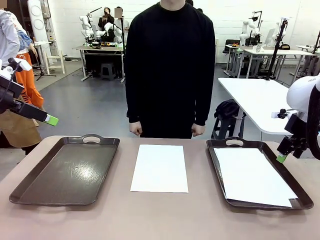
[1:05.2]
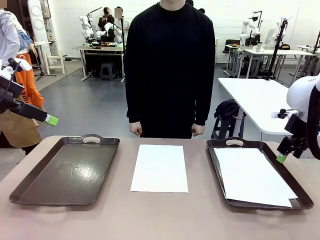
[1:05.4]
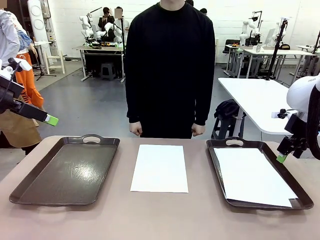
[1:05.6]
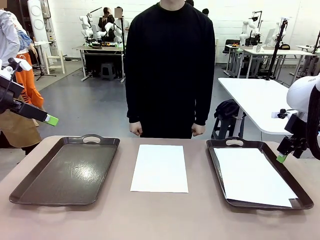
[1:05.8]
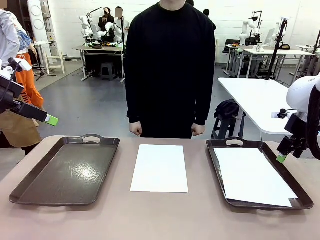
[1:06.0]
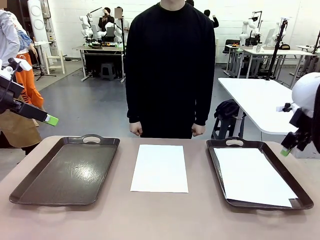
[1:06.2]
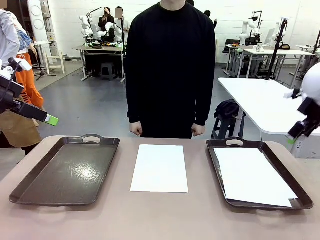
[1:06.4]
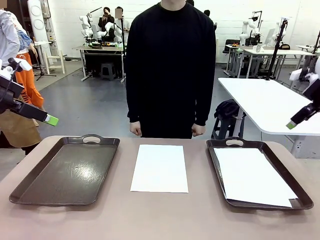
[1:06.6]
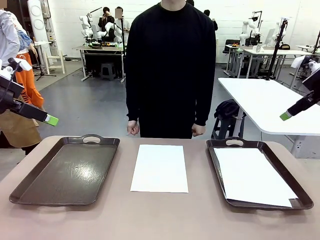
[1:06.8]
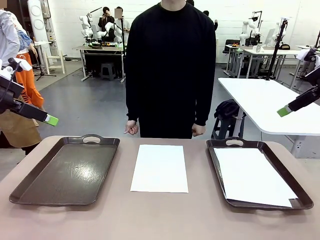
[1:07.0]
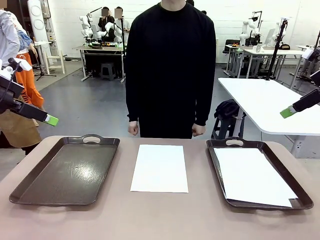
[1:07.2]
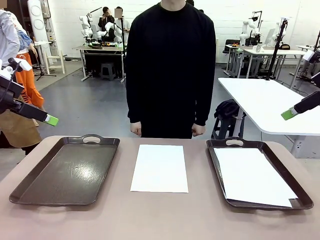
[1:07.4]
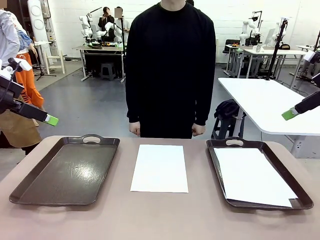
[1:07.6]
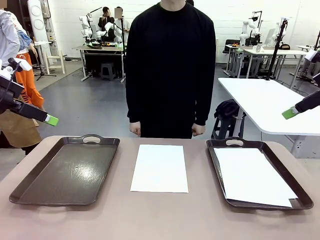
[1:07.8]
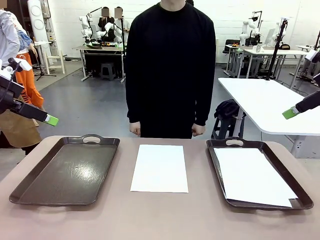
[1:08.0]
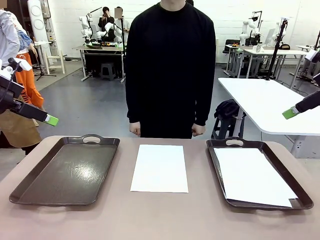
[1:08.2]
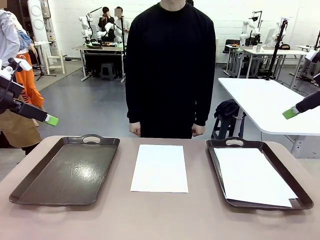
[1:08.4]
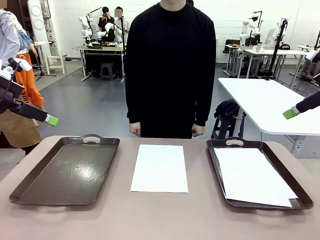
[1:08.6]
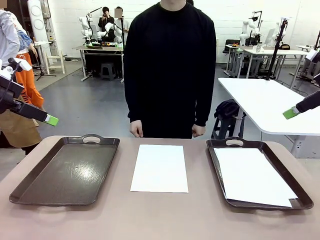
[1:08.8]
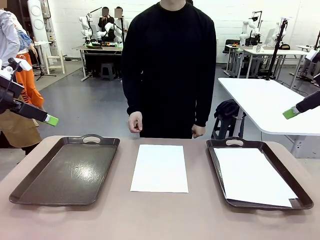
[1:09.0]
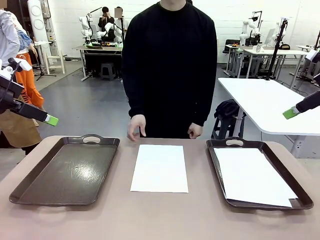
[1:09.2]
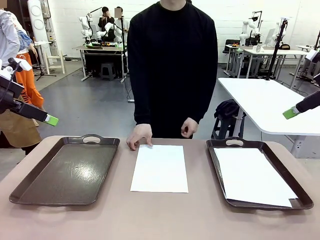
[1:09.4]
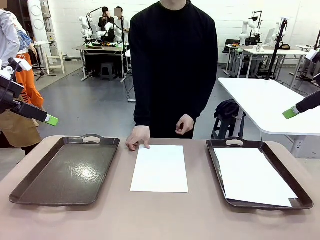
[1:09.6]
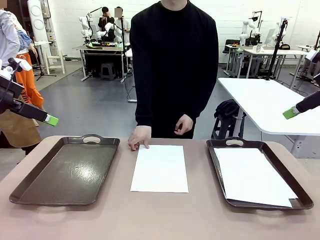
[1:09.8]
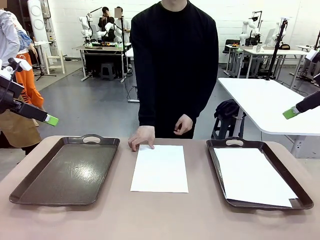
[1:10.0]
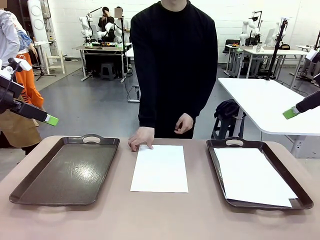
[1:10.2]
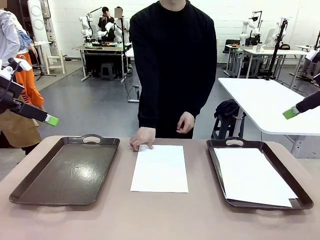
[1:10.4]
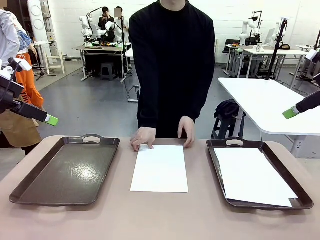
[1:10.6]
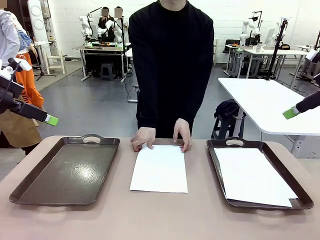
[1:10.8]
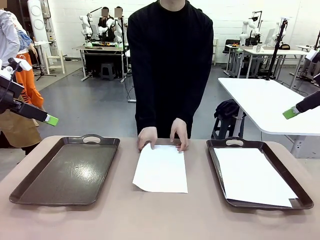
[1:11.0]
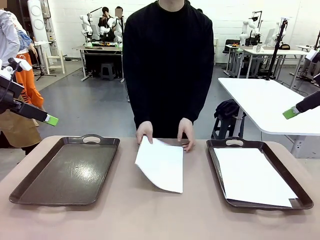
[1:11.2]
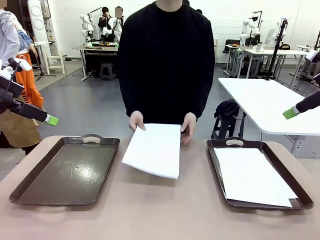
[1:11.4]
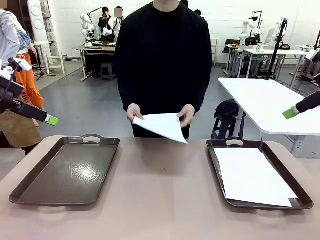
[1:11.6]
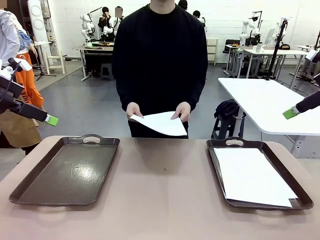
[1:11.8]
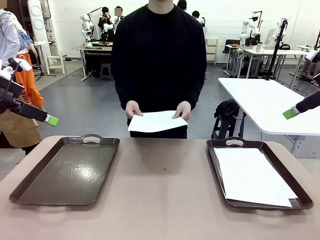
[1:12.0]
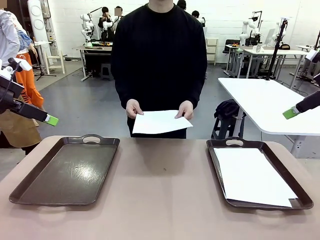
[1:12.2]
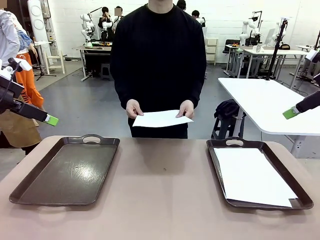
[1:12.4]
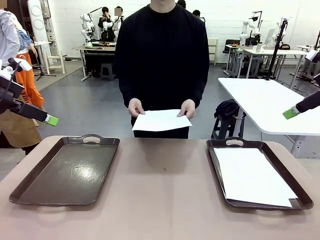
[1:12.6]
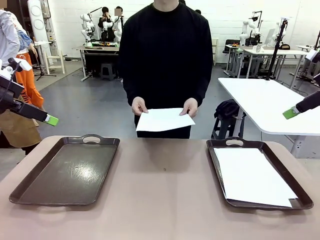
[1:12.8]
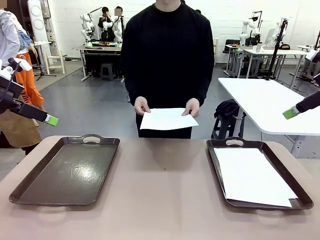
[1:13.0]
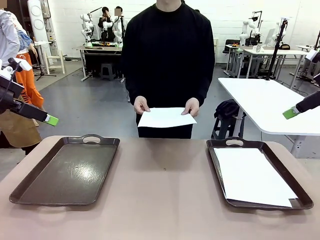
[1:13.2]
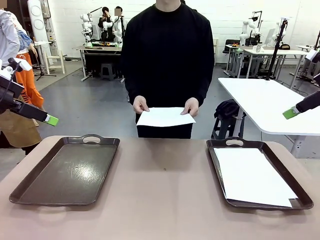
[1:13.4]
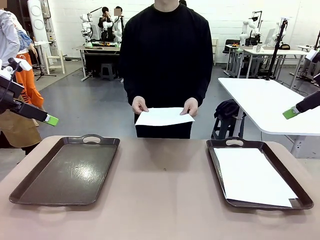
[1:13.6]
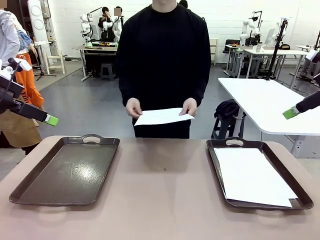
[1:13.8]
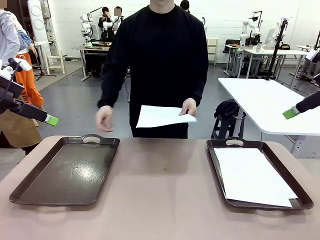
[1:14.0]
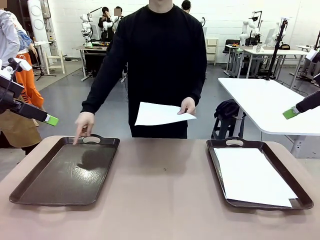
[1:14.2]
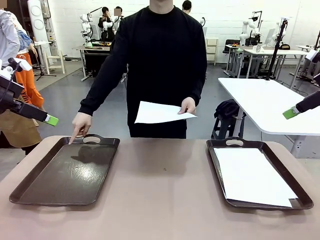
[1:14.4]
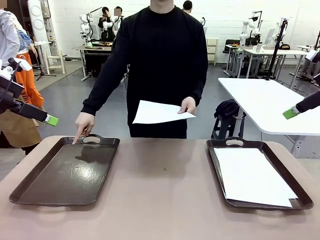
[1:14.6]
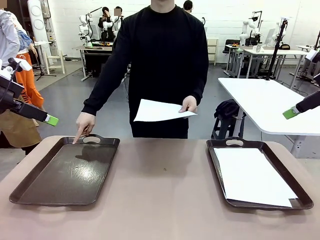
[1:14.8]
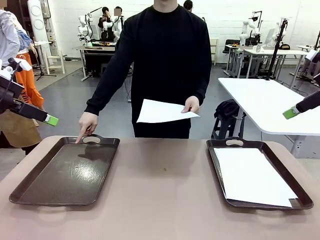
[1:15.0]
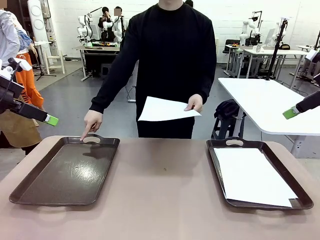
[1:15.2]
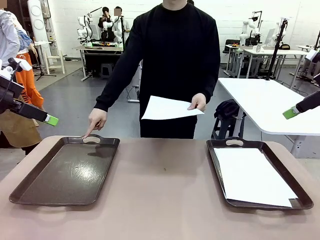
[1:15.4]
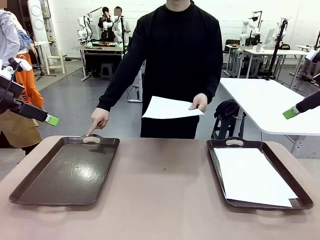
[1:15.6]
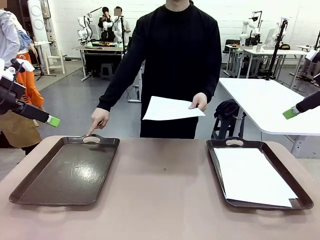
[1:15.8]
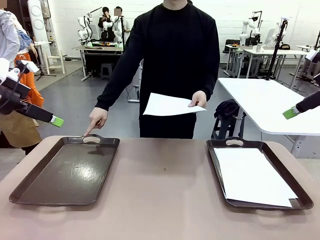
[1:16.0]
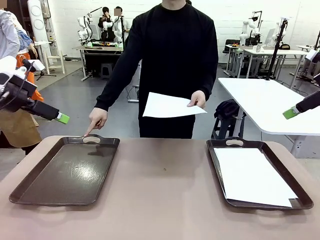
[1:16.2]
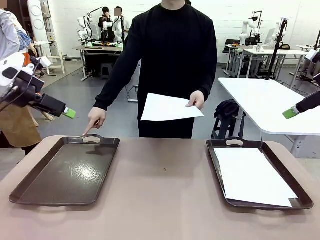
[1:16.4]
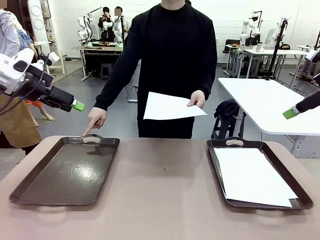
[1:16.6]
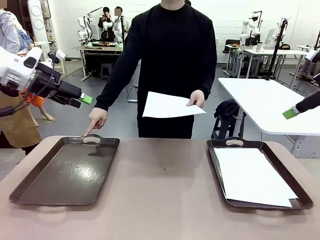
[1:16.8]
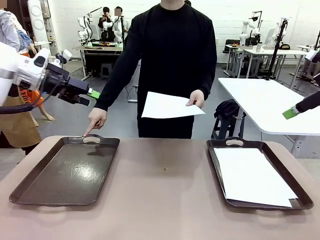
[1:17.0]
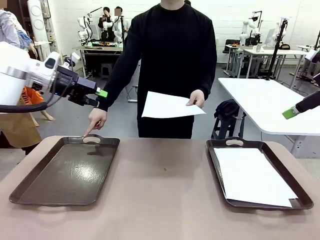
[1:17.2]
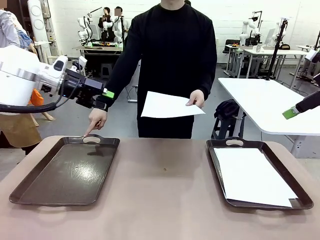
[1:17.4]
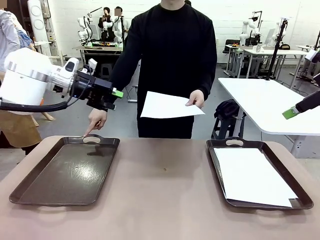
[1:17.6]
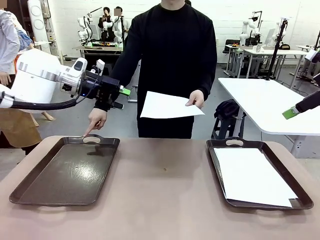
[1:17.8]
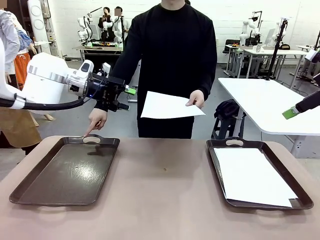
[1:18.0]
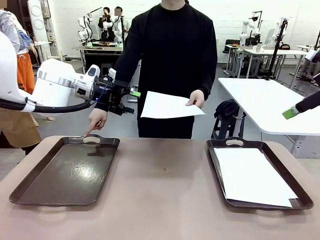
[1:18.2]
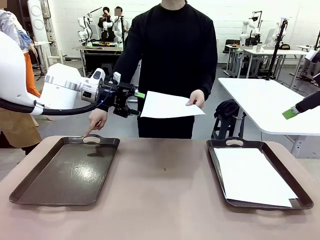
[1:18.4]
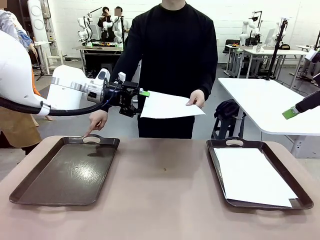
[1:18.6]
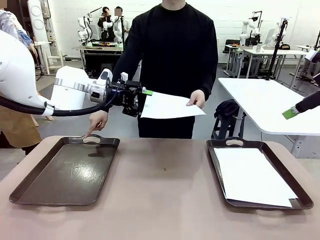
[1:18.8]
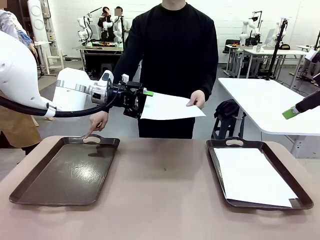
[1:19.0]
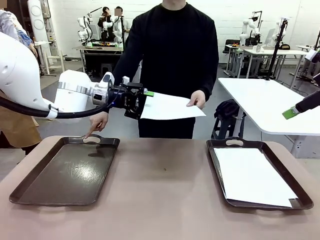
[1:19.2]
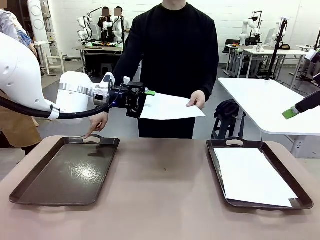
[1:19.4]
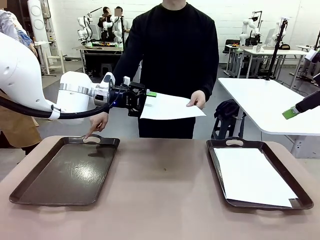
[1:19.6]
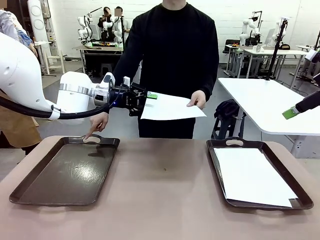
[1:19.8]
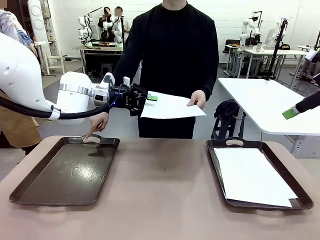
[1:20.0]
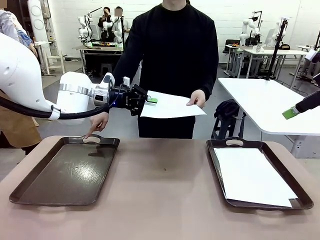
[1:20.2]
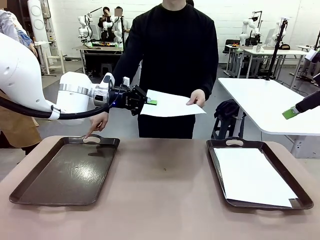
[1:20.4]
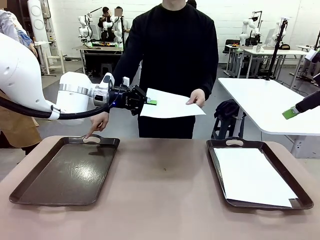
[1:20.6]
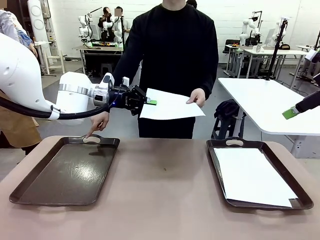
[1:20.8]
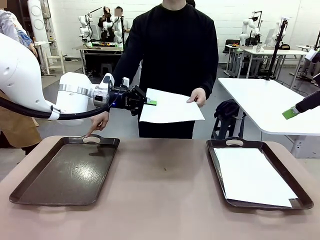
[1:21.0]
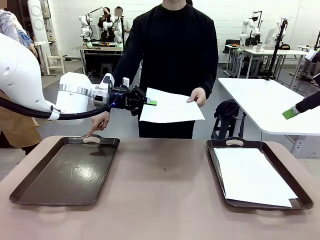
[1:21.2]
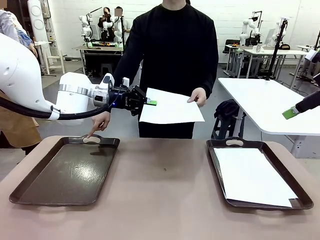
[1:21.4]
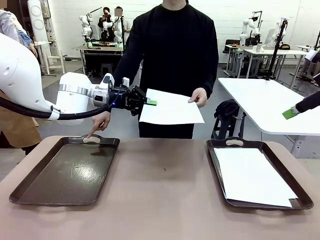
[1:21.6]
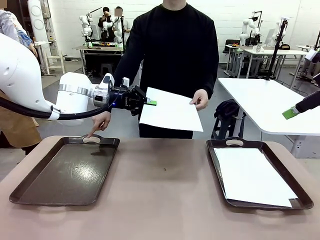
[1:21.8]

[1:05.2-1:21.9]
Task: Sort the A4 documents.
Robot: Receive the A4 Paper.
Person: Point the randomly selected tray with the other hand.

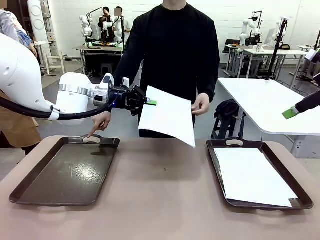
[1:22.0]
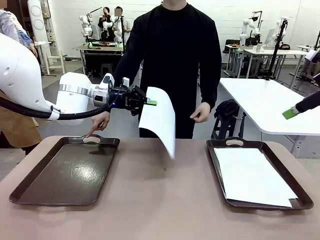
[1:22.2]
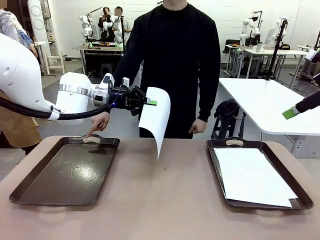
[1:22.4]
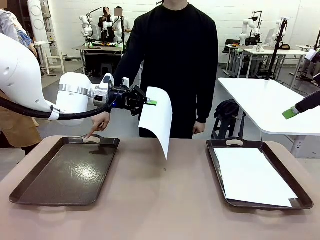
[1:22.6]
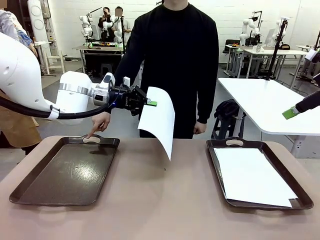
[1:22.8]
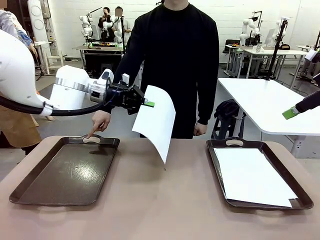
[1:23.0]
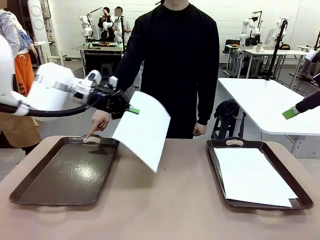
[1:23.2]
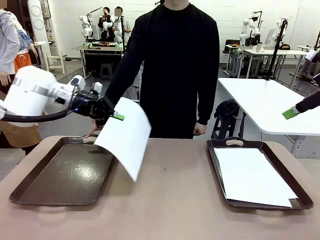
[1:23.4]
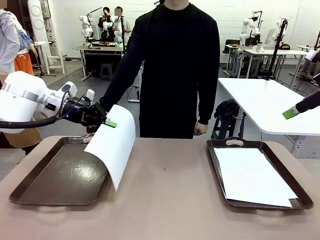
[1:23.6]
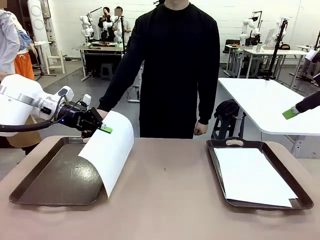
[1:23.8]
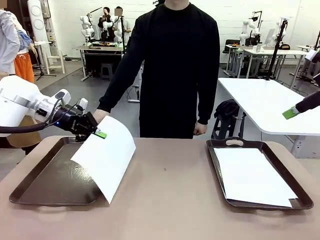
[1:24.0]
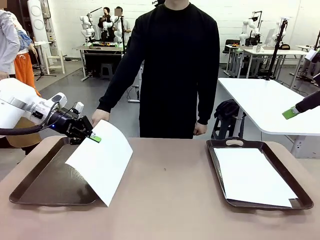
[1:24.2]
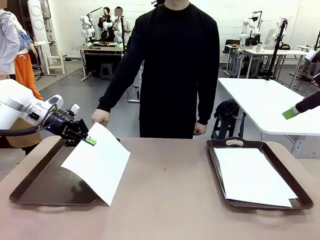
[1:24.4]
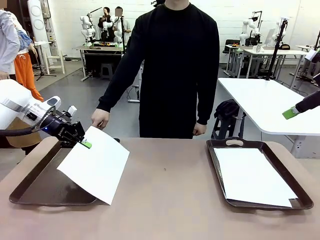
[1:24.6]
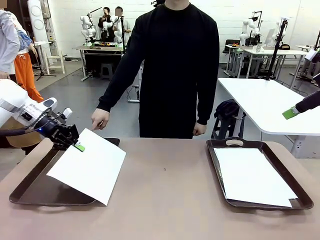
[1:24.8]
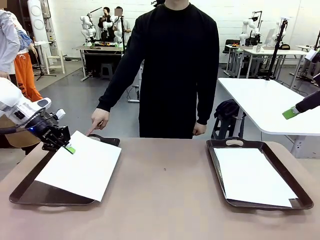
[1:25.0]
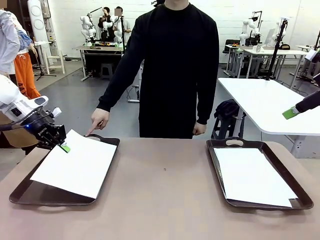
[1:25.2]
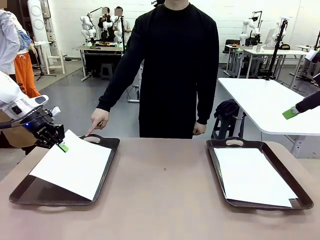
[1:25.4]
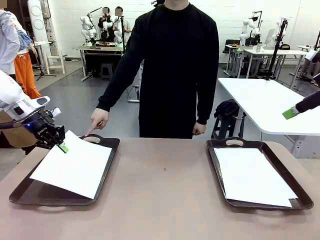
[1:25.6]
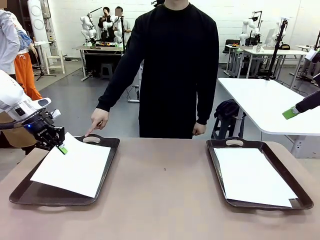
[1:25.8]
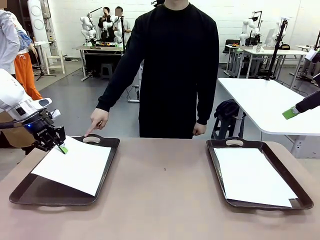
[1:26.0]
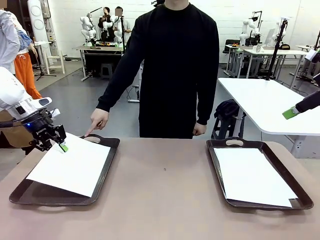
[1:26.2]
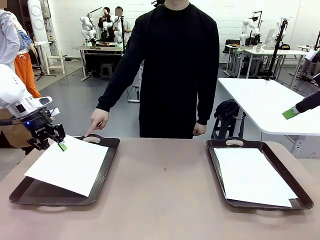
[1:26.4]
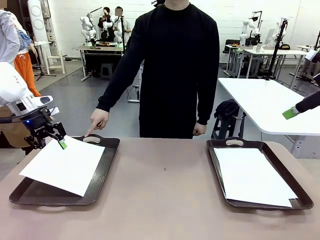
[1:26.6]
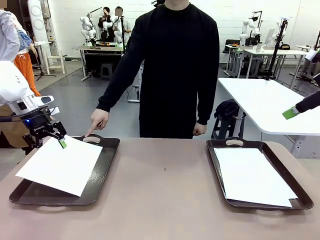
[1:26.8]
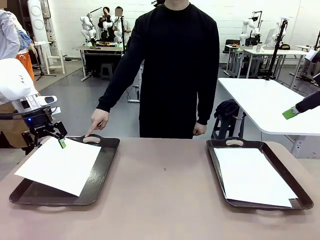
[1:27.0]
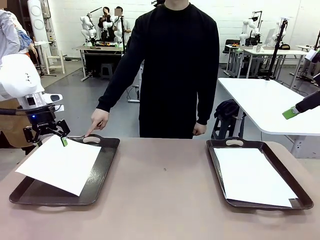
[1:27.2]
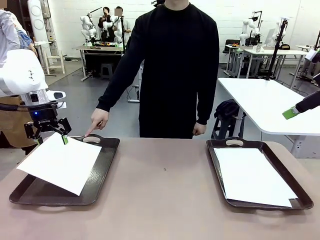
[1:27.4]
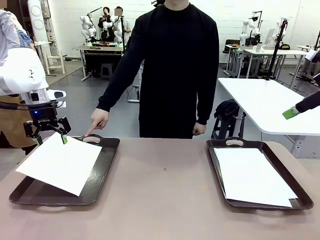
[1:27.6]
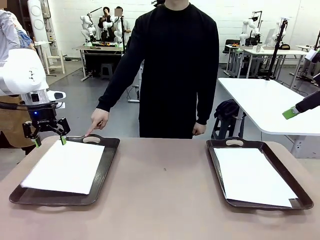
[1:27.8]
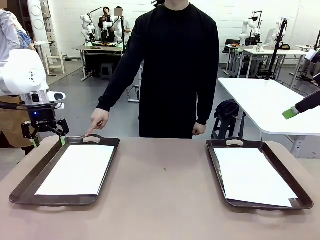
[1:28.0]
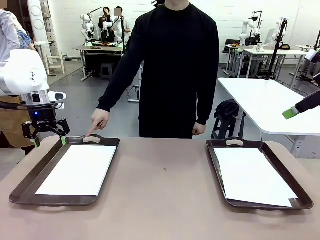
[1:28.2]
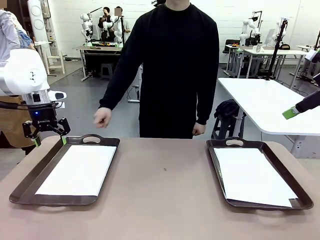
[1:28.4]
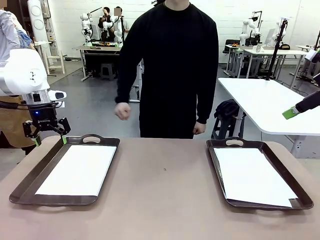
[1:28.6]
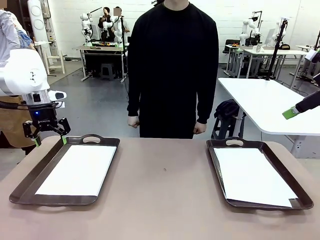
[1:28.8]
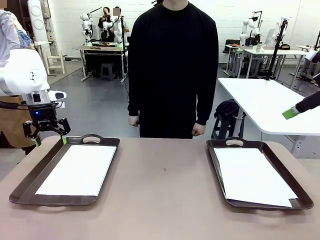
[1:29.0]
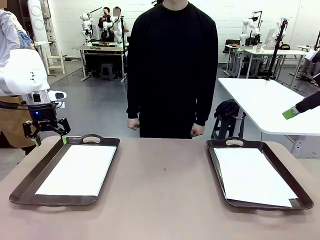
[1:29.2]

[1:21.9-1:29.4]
Robot: Place the A4 Paper in the designated Handle tray.
